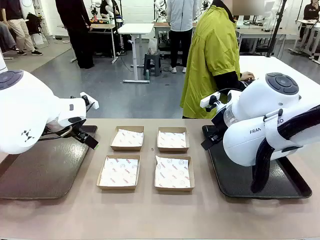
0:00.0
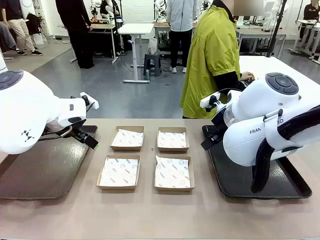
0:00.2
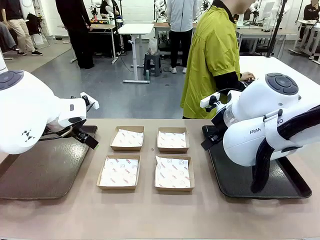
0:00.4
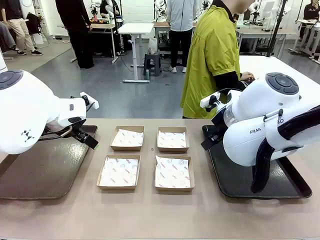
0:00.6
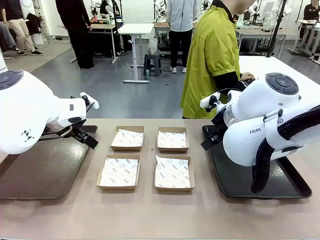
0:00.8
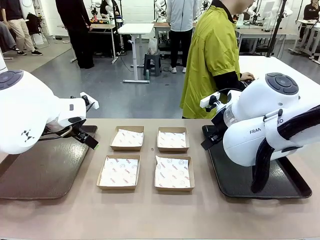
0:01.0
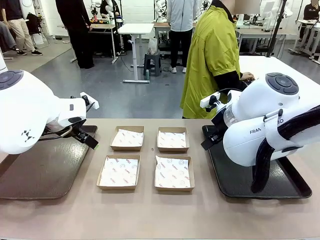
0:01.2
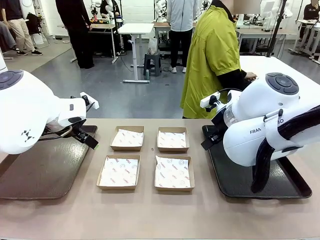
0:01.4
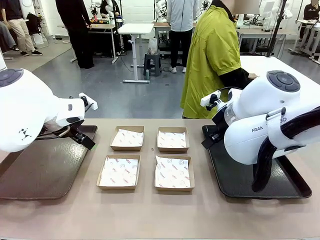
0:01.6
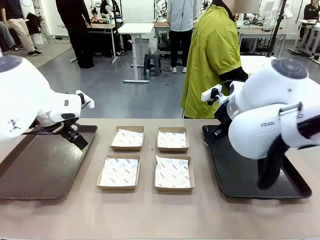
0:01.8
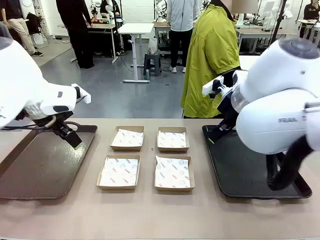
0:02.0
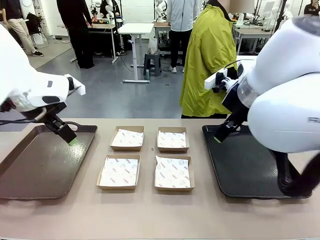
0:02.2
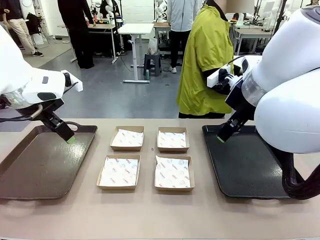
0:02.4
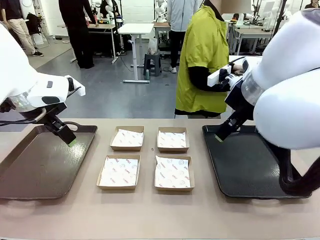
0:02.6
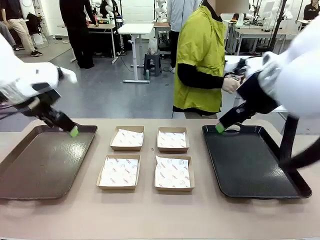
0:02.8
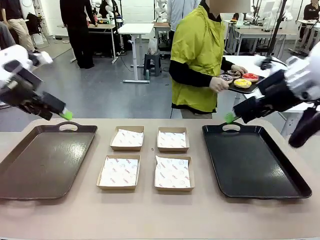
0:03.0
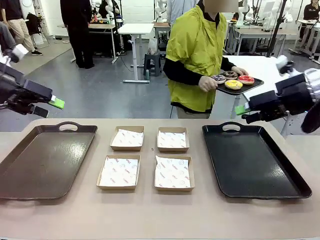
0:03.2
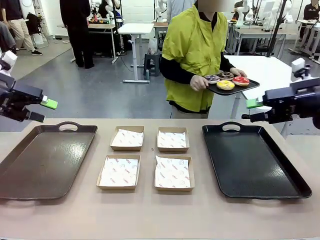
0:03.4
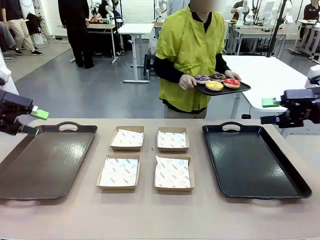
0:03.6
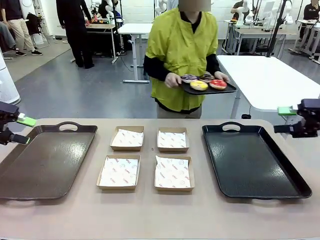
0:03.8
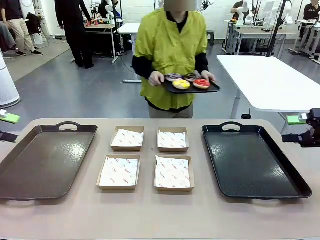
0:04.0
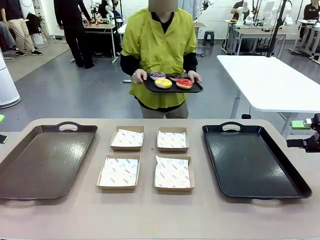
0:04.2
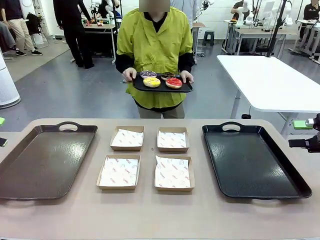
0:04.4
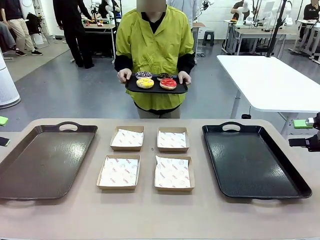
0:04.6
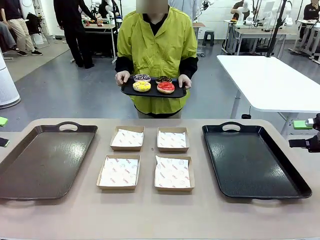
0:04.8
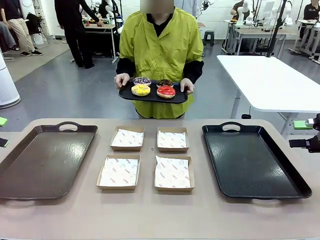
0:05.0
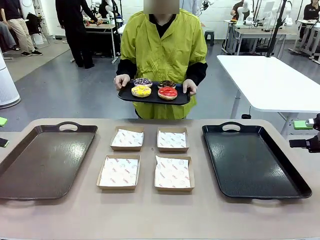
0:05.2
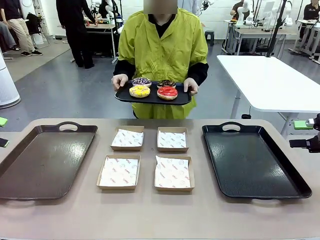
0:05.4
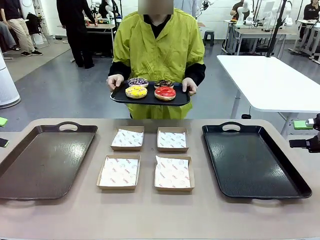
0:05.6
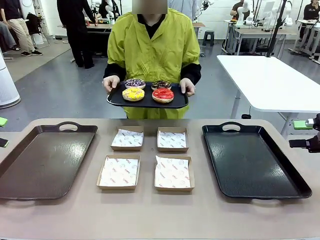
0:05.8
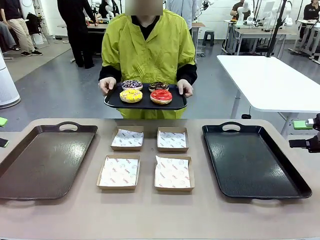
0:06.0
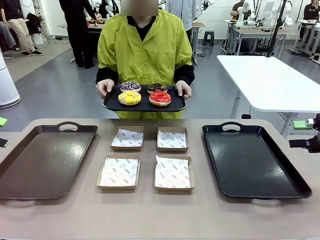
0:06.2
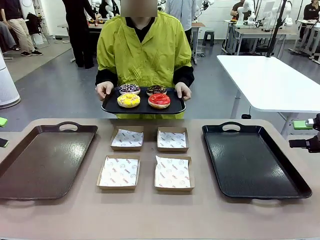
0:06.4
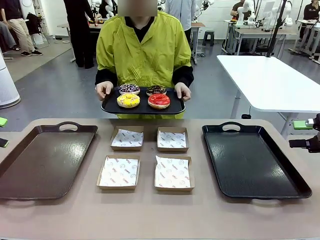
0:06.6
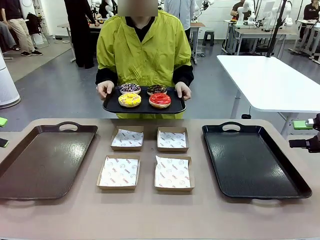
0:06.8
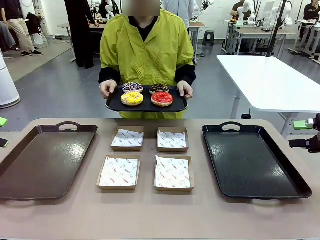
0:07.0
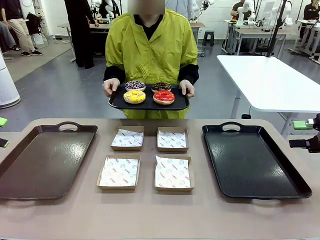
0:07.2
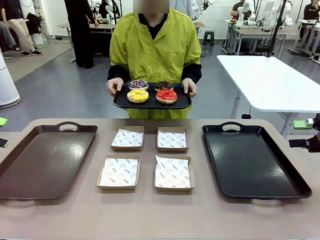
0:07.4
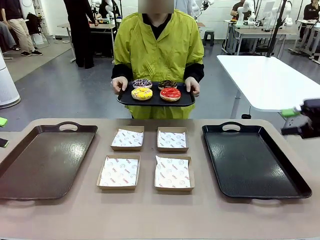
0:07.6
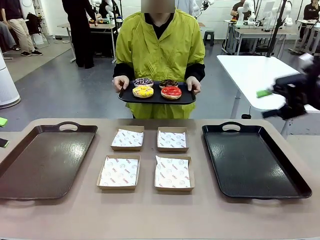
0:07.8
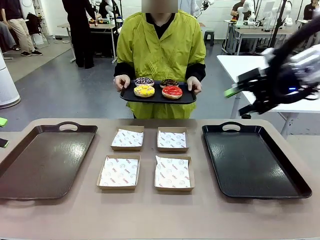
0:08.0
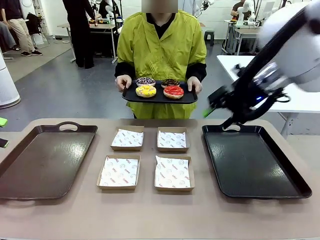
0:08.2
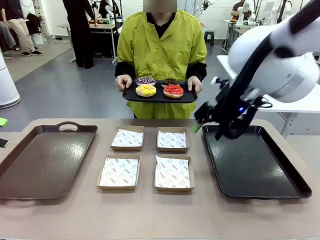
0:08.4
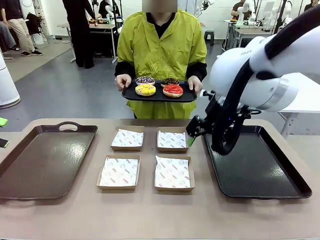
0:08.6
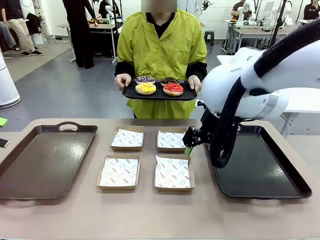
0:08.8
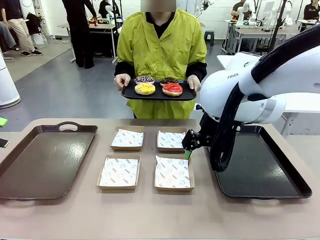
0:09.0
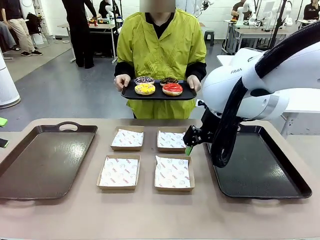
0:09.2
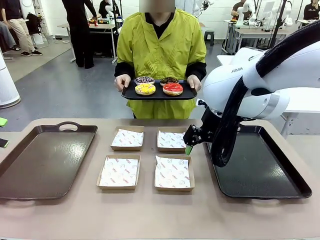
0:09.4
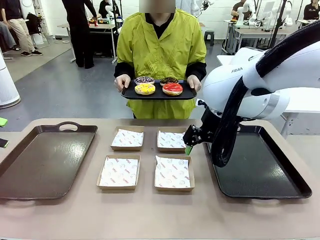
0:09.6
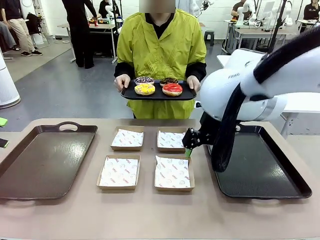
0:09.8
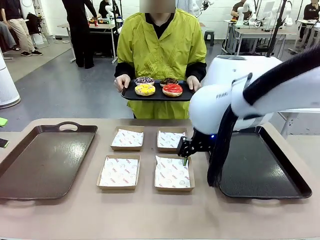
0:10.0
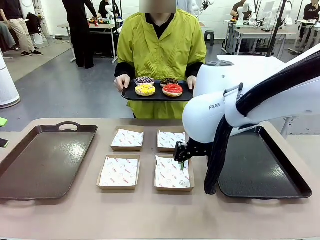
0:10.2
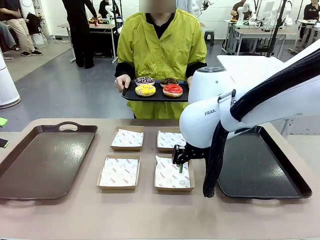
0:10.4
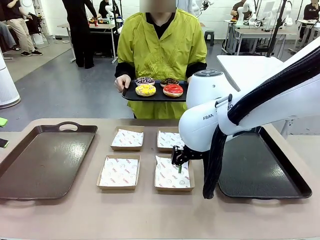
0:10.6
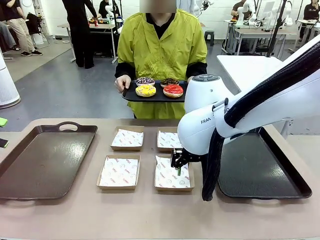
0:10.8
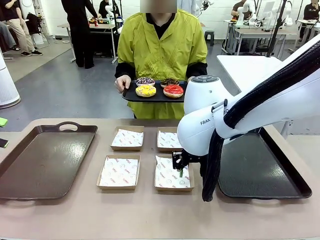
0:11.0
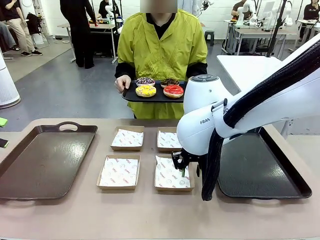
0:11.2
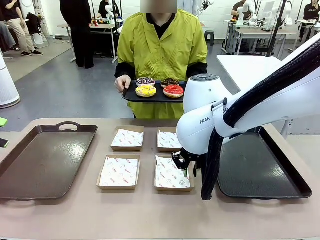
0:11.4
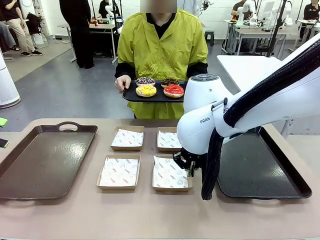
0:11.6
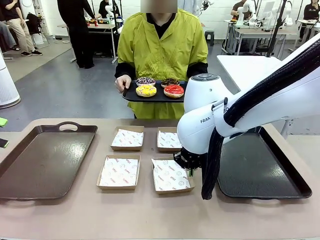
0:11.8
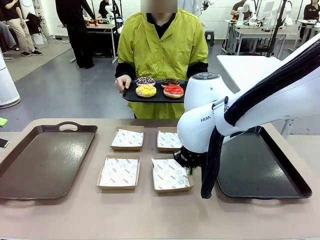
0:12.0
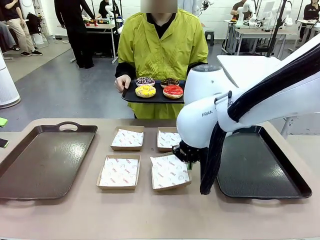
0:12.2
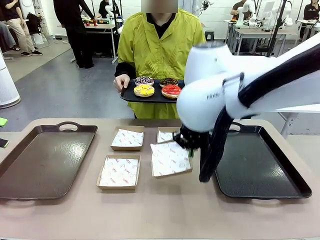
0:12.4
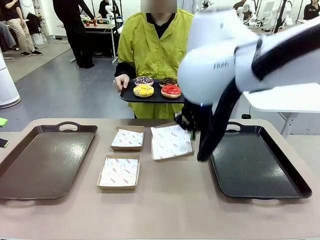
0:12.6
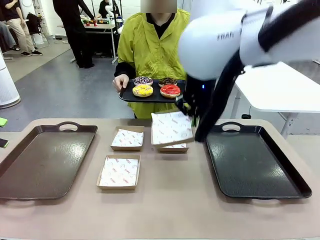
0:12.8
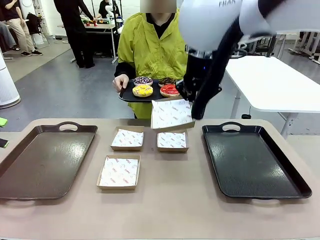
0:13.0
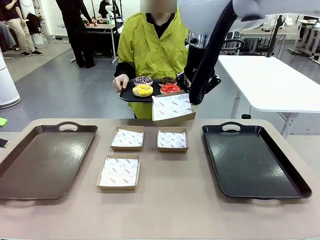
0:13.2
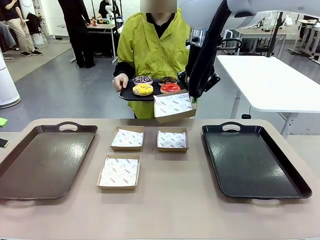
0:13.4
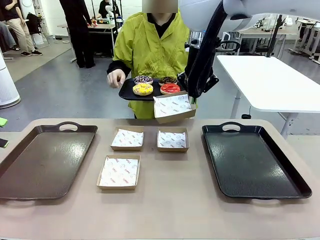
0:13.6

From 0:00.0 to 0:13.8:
Task: Individually package the donuts and arrange them on the tray.
Robot: Pick up one Paper togo box.
Person: Stand in front of the robot table holding the tray containing the donuts.
